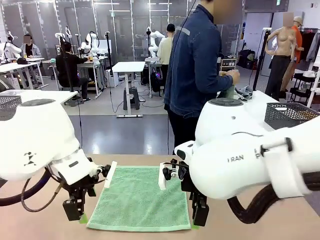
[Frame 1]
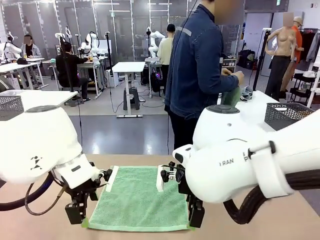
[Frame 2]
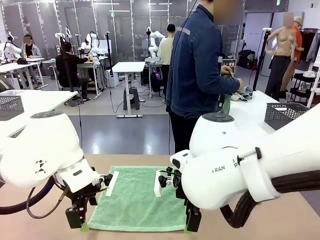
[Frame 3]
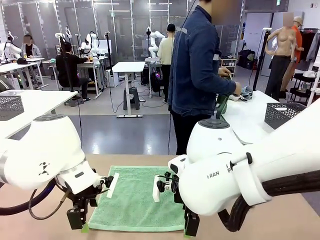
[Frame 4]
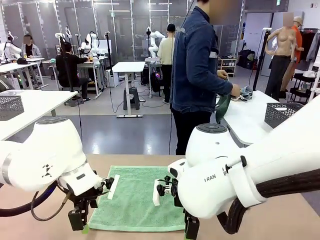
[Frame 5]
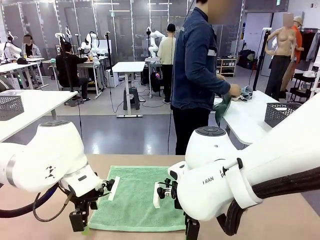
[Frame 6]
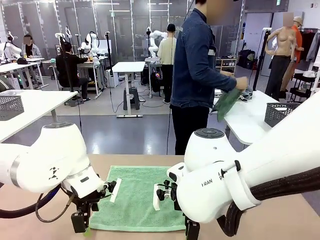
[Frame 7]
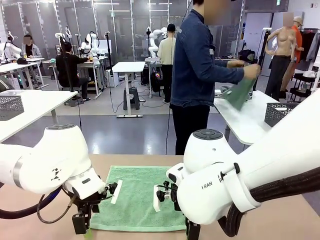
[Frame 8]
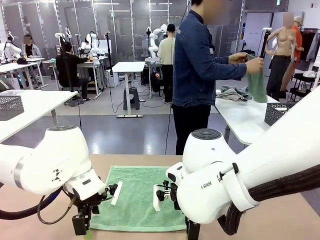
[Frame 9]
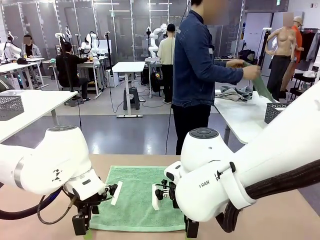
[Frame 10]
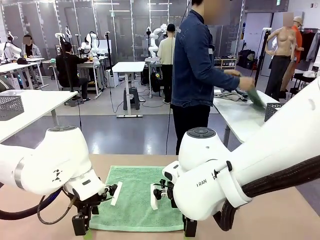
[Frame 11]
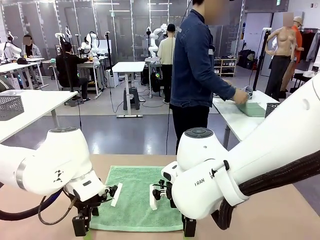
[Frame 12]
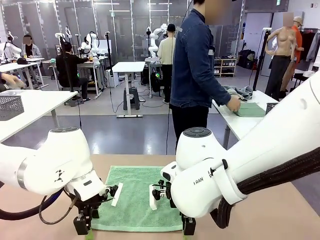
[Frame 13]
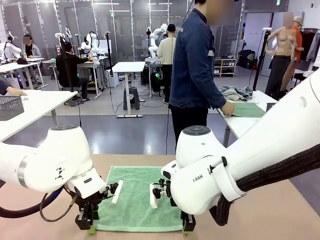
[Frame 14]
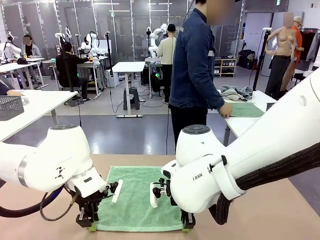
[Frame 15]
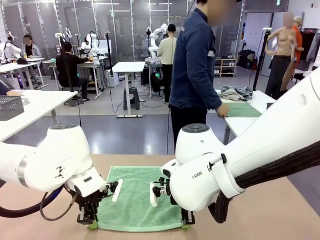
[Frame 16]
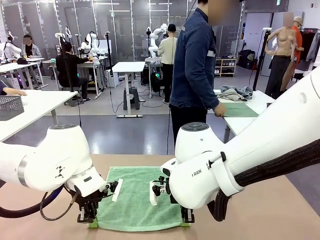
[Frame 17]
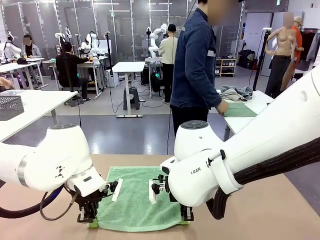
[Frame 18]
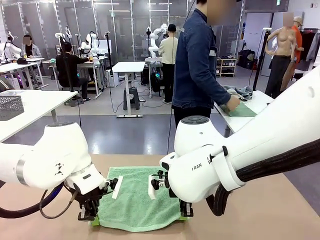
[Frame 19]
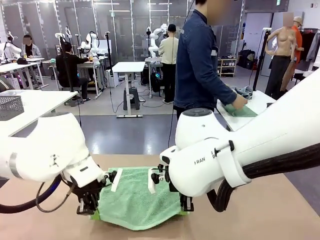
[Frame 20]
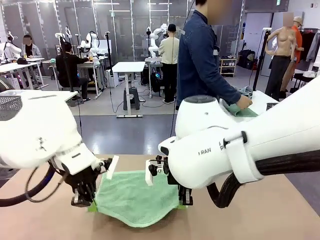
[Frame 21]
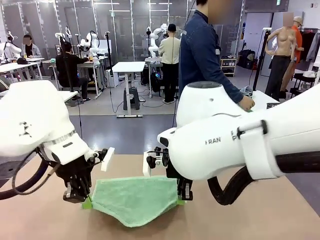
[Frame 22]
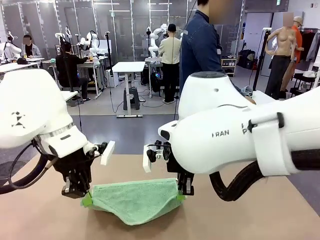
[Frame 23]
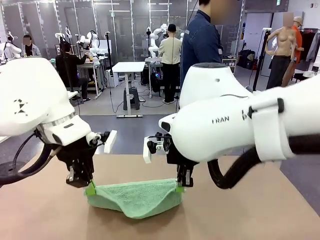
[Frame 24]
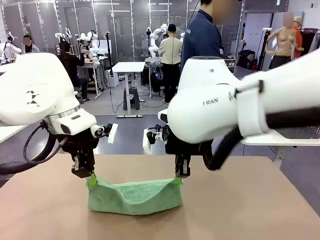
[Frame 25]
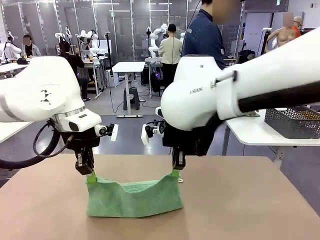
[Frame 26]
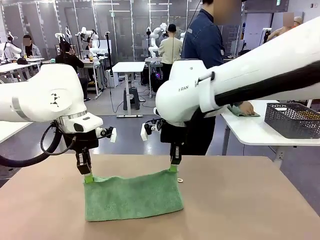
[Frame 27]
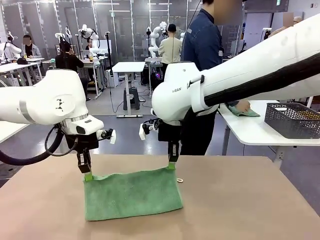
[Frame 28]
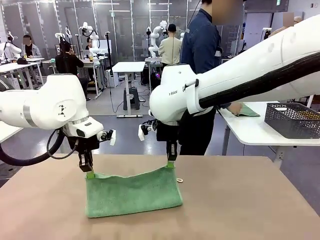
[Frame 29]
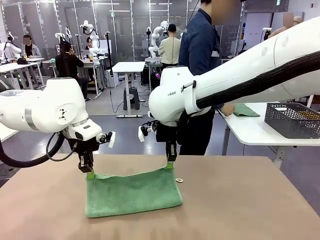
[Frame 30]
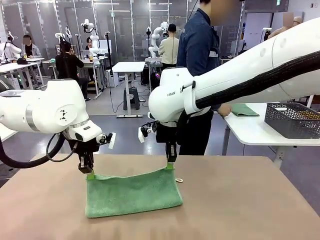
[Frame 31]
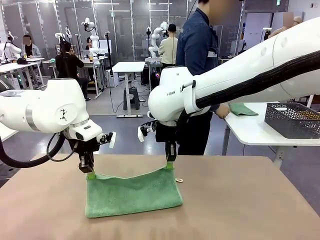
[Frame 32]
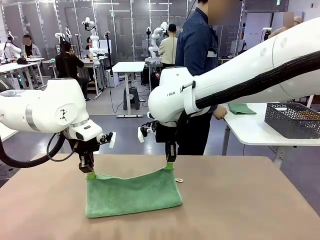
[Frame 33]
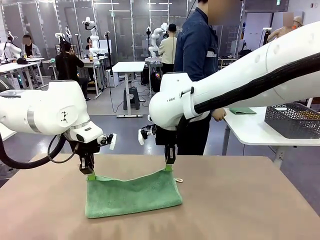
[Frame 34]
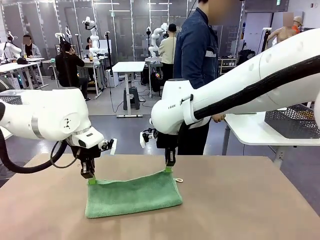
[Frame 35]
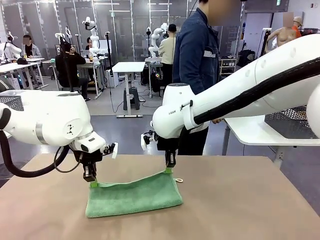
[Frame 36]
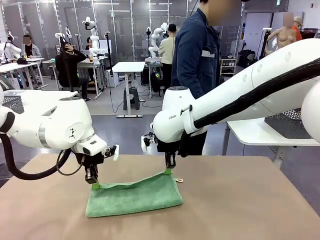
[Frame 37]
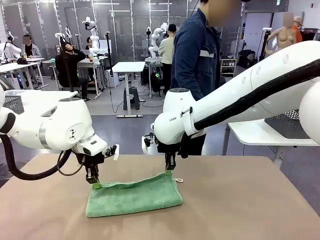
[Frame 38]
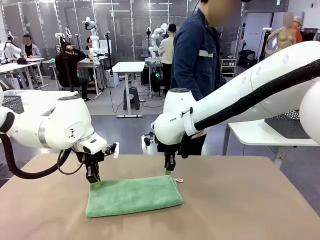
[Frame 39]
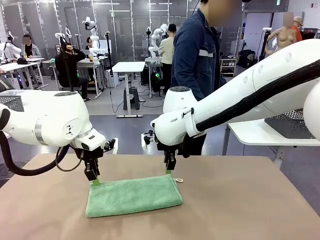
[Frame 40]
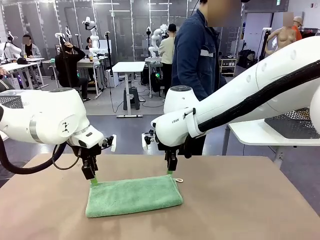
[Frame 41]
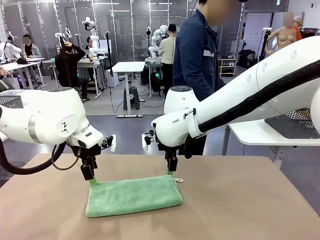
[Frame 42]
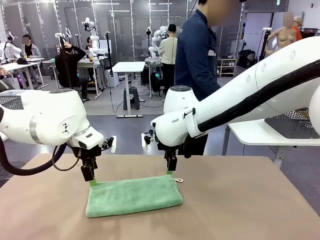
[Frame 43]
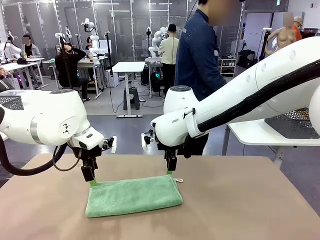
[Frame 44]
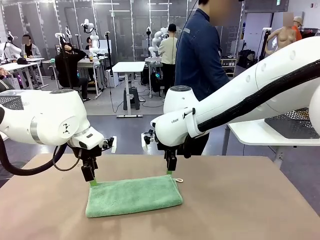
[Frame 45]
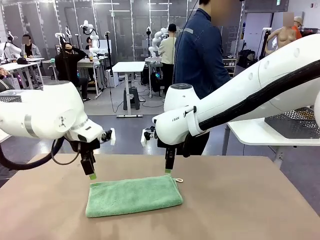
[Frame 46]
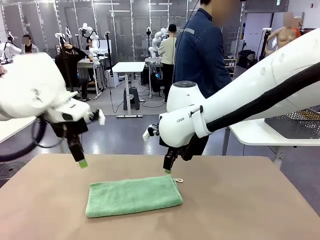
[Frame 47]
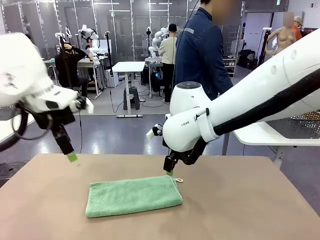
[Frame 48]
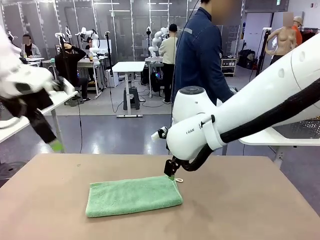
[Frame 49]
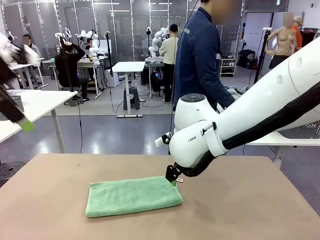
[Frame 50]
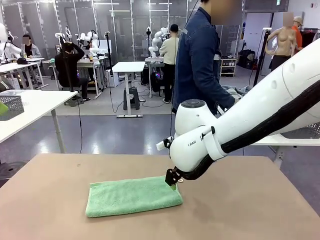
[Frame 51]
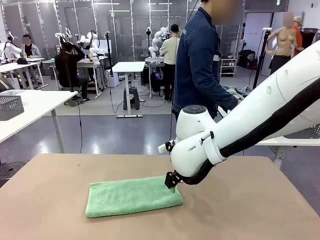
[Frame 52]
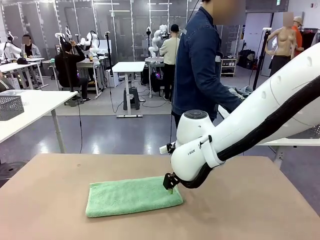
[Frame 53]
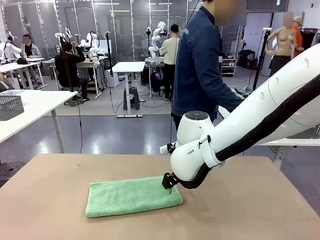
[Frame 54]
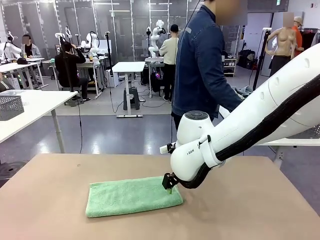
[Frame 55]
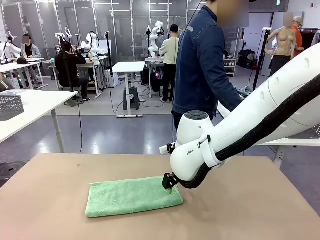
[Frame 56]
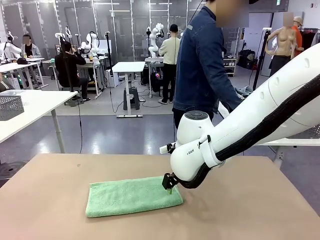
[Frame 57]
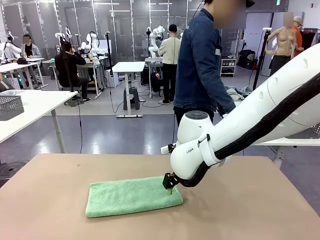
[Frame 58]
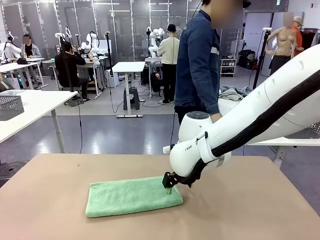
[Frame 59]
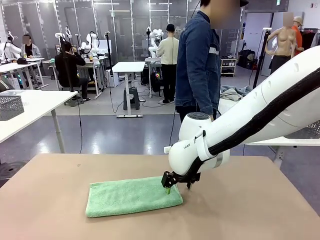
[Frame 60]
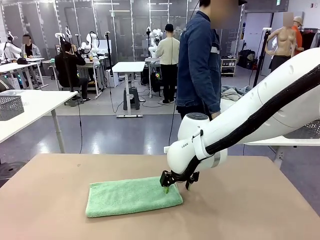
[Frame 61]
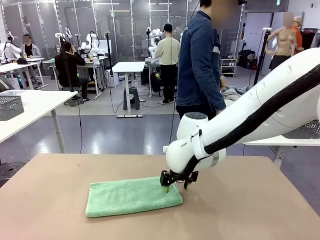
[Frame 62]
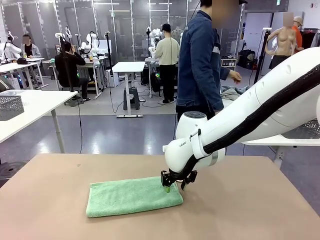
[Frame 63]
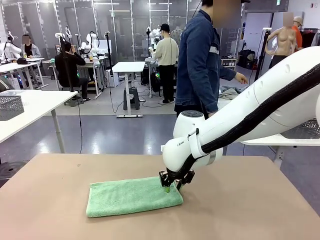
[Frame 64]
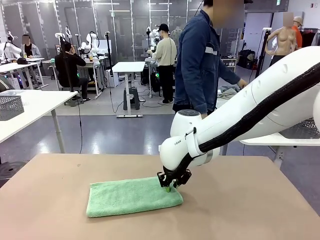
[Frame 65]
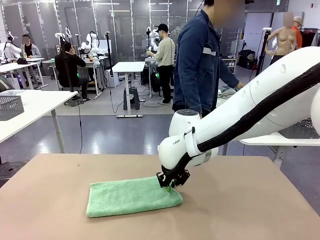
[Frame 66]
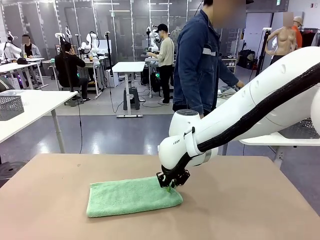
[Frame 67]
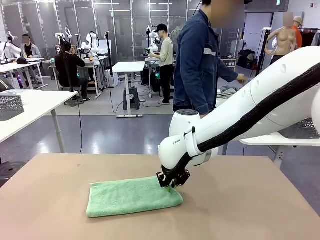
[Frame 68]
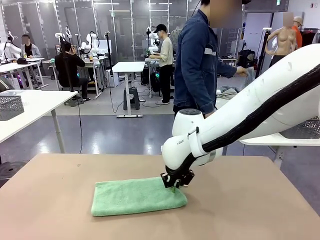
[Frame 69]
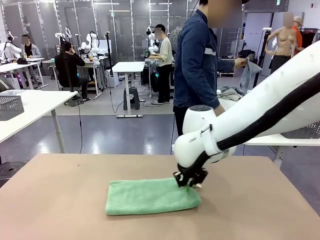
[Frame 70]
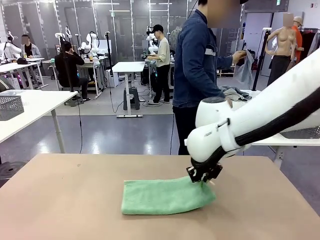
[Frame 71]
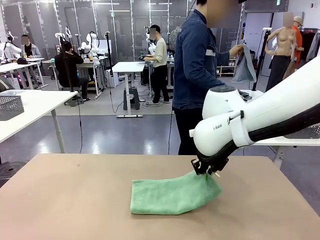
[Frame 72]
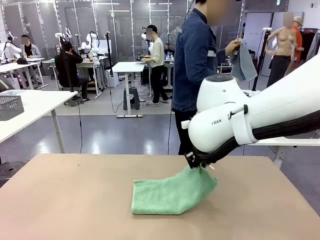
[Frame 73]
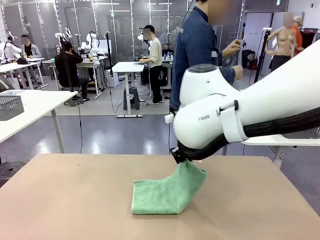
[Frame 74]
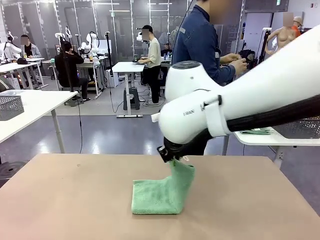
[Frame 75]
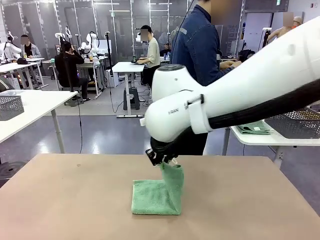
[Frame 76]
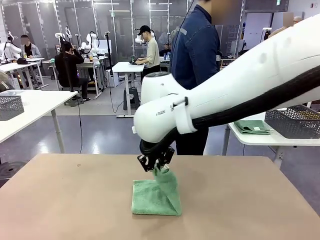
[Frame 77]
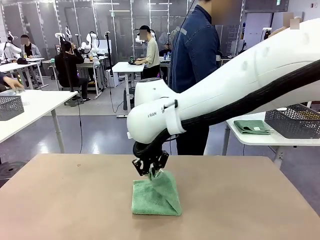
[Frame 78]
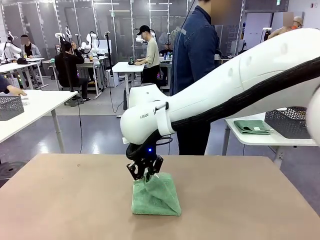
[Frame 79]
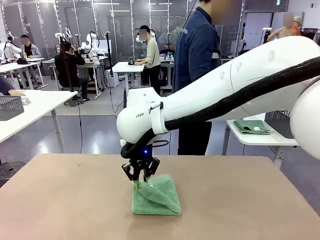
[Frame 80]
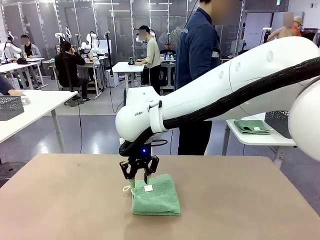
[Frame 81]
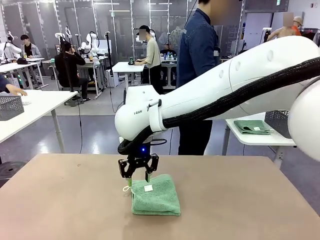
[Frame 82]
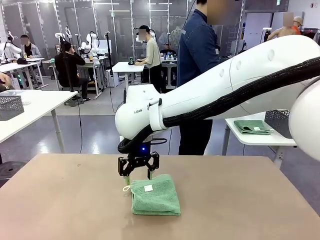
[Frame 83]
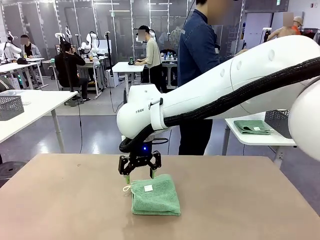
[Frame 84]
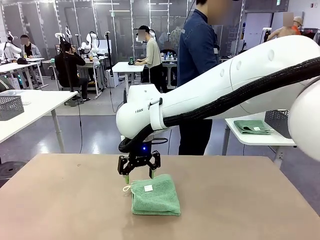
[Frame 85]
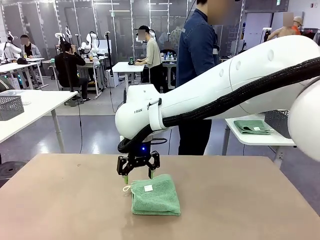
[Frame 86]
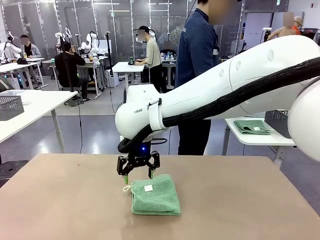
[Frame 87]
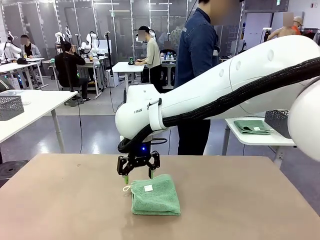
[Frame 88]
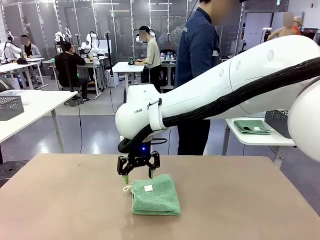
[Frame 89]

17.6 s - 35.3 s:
Task: Fold the towels and place them in the basket.
Robot: When a person lays out a Towel with hook on the table, fold it in half twice.
Person: Pick up one towel from the left side of the human table, fold it in half twice, and place it on the right side of the table.
